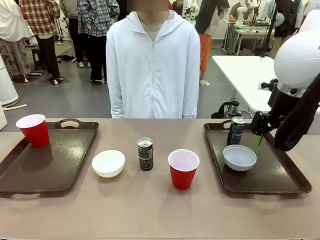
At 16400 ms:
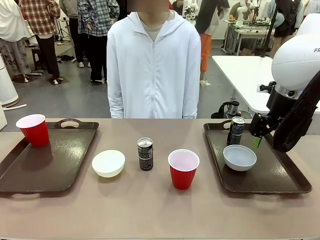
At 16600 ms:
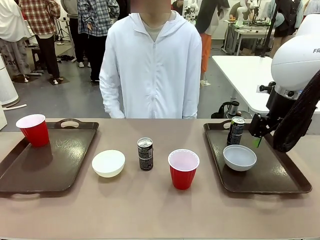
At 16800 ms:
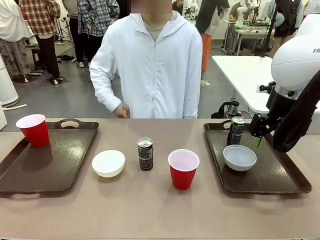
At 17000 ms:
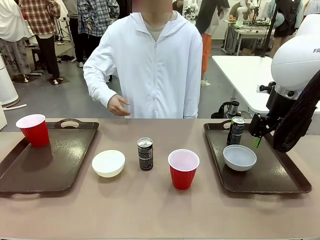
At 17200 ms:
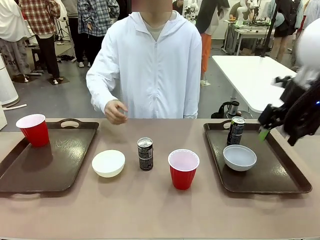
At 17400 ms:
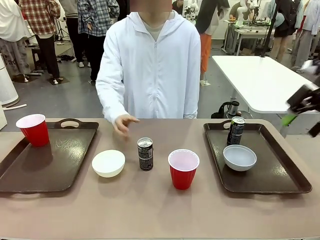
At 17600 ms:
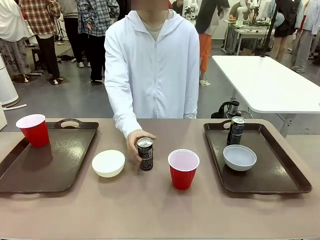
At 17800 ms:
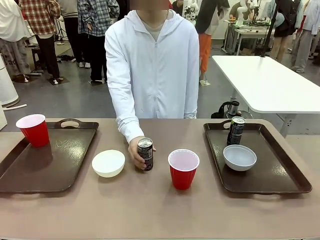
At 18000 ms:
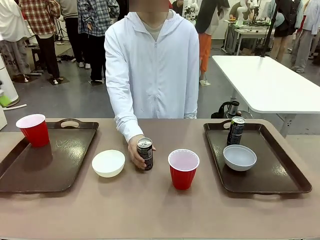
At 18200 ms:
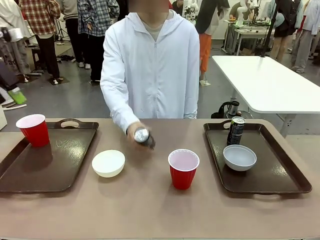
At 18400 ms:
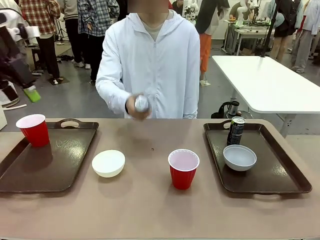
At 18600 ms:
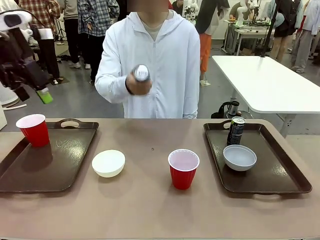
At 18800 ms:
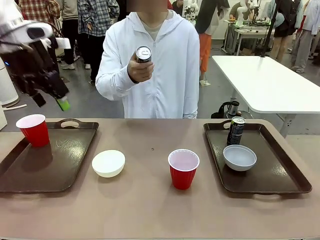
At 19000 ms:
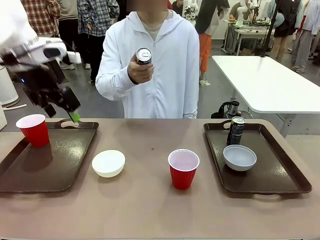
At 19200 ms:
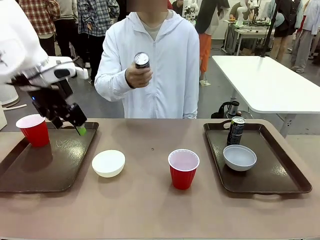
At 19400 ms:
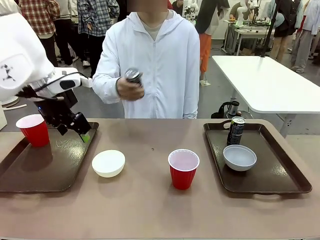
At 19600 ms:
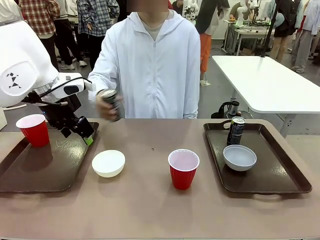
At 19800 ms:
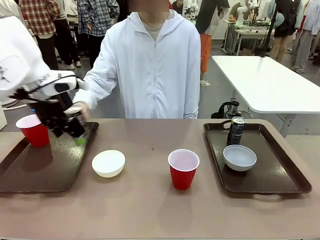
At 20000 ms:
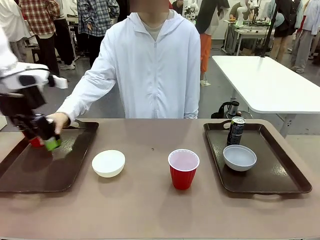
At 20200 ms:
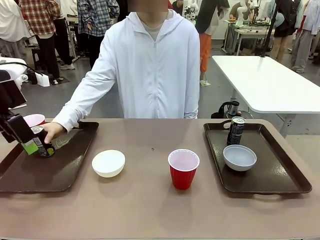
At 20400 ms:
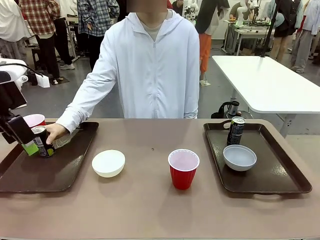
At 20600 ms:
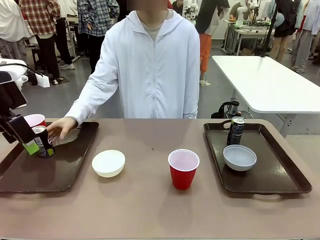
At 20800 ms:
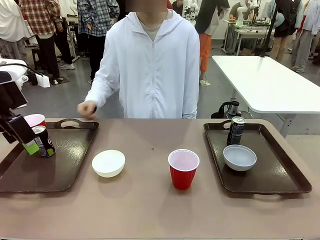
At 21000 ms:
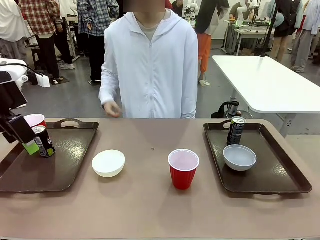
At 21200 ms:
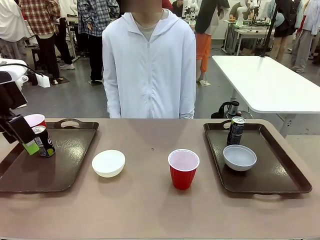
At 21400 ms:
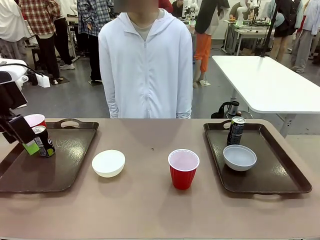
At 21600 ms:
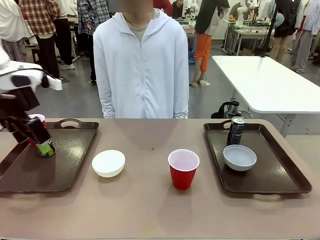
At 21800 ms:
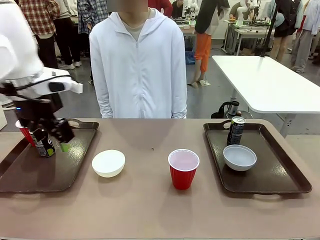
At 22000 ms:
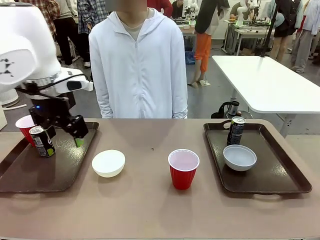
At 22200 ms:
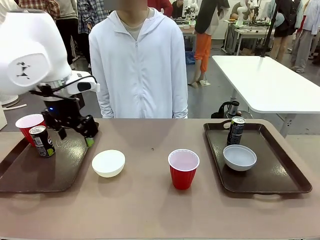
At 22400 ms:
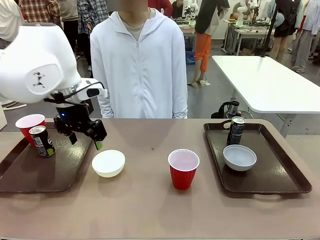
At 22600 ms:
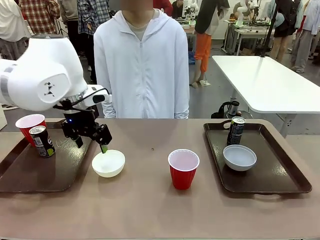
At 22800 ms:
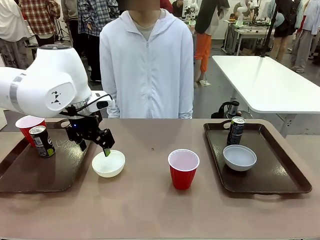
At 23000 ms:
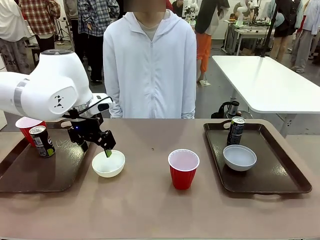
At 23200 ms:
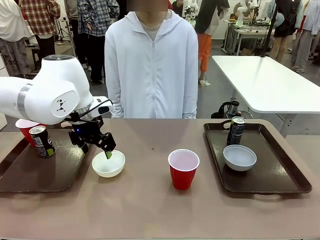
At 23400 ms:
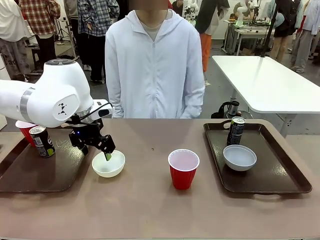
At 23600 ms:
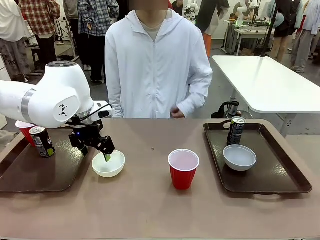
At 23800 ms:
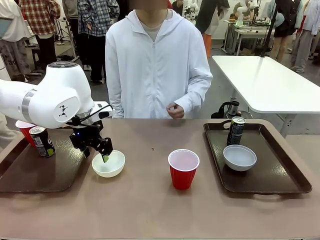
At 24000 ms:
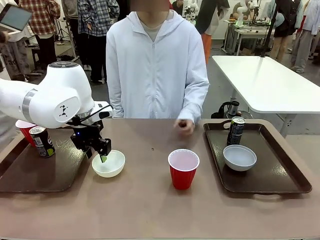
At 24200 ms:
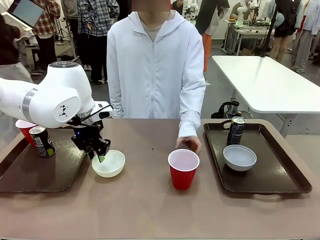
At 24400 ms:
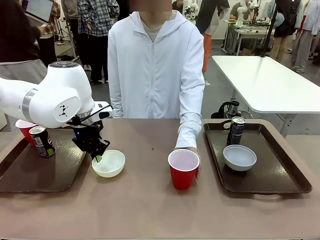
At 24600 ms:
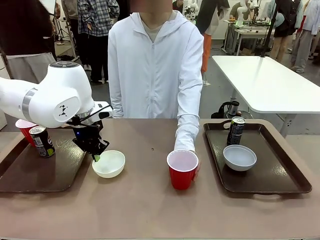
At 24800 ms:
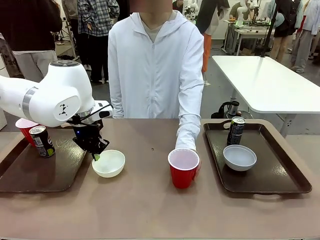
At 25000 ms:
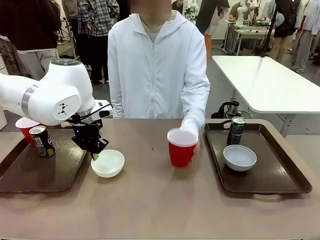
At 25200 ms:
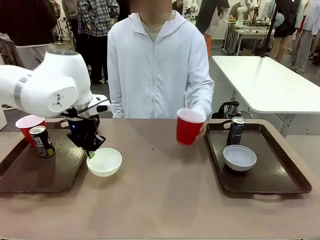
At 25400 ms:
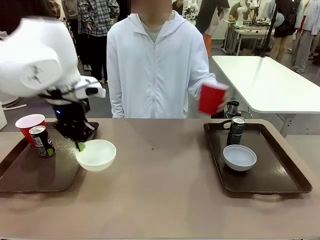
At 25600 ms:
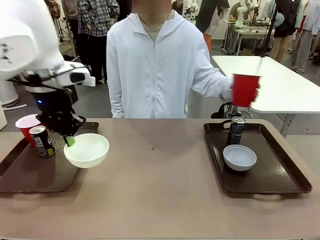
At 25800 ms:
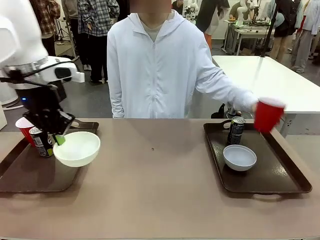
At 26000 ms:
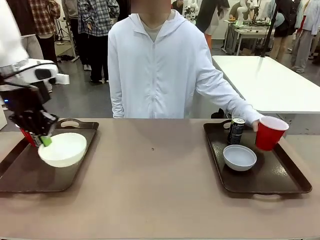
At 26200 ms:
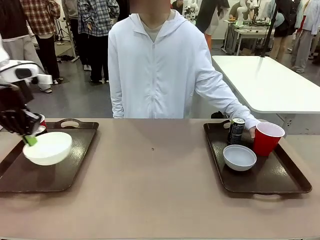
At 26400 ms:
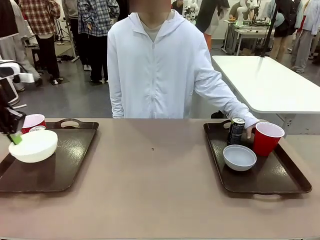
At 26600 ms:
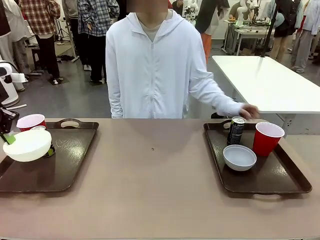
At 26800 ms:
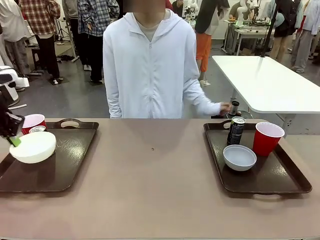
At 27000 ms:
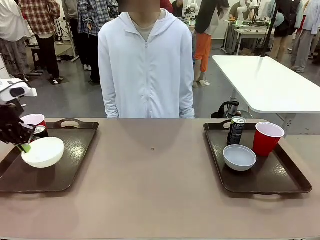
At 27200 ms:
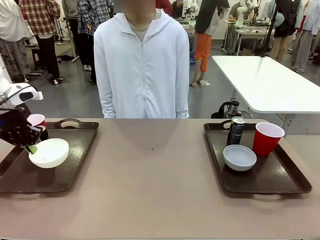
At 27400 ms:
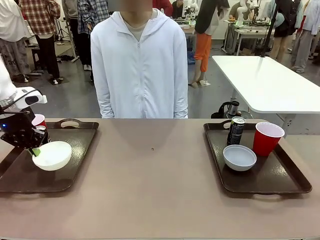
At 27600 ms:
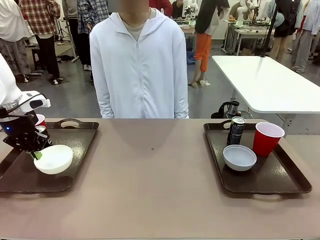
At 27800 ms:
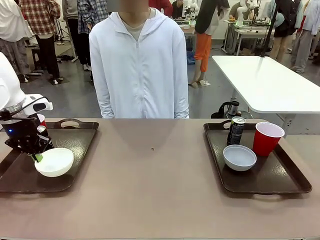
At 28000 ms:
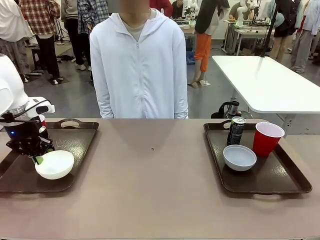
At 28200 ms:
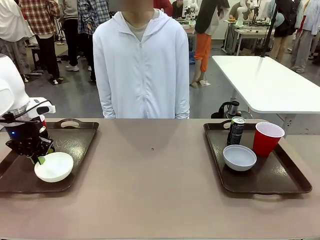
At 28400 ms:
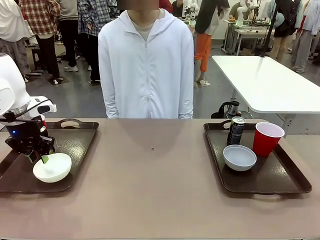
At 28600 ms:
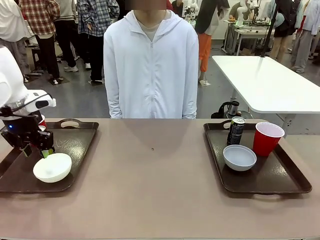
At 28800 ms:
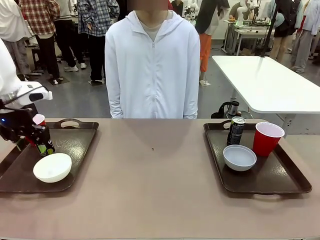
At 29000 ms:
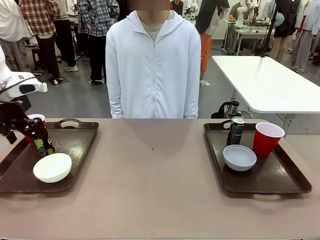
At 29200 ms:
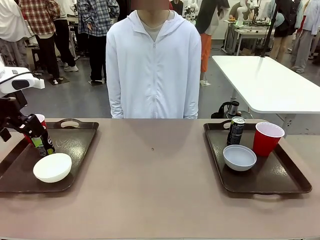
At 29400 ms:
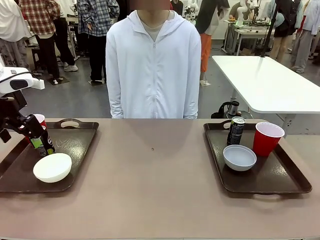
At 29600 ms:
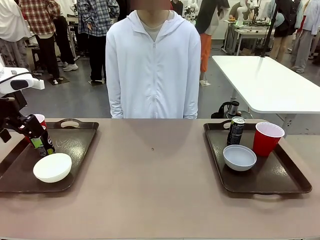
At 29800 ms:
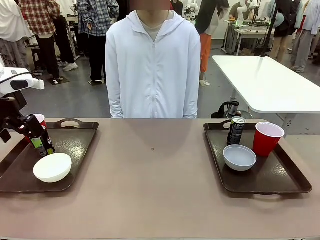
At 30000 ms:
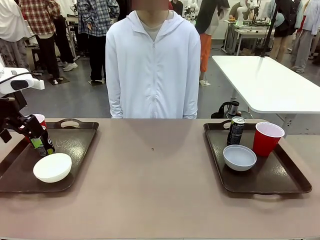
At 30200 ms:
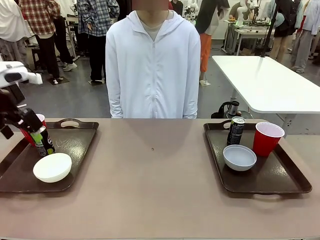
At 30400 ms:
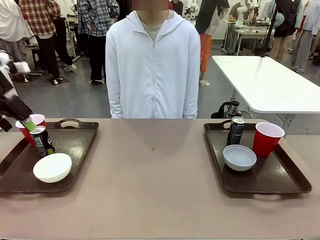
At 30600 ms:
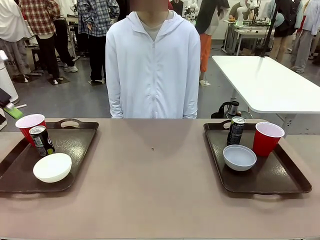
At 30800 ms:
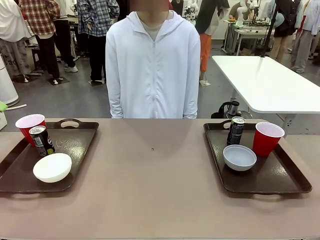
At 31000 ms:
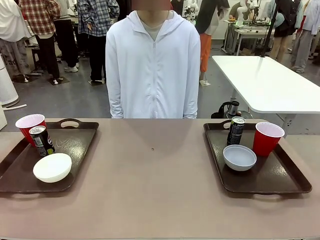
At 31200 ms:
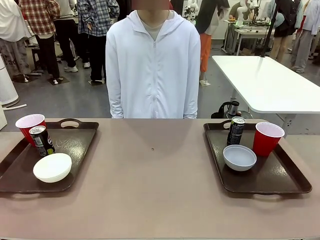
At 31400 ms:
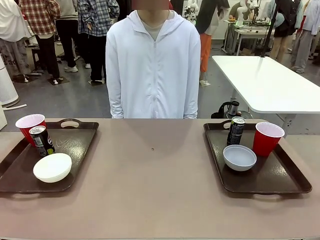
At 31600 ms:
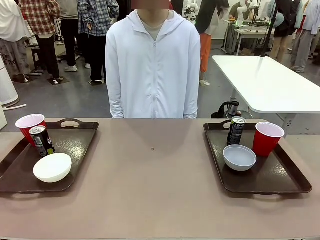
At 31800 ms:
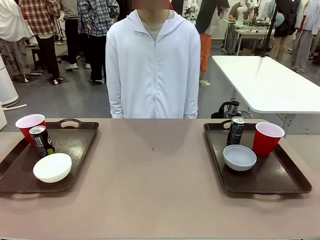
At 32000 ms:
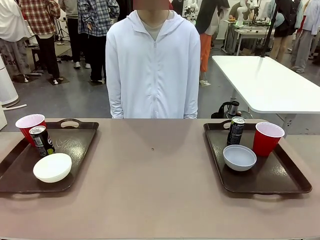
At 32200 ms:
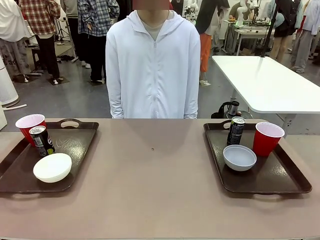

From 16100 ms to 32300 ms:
Task: Prepare tableware on both trays.
Robot: Pick up a Picnic Bowl from the table and place it on a Handle tray.
Person: Pick up a can or cup and place it on the tray without a can or cup.

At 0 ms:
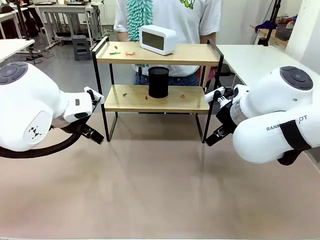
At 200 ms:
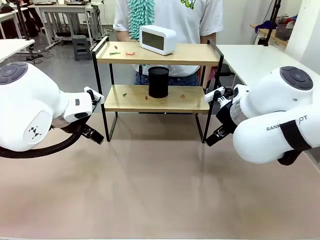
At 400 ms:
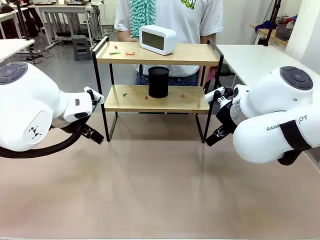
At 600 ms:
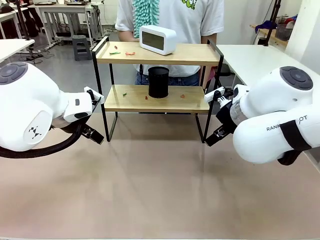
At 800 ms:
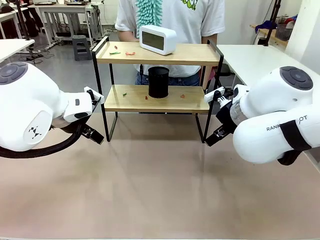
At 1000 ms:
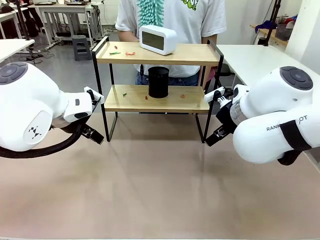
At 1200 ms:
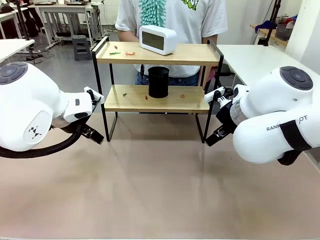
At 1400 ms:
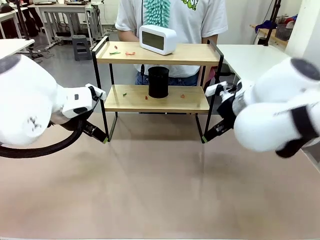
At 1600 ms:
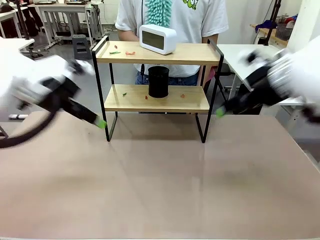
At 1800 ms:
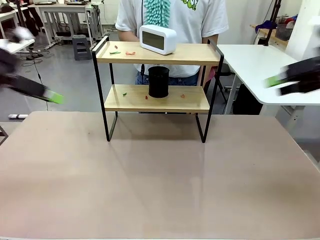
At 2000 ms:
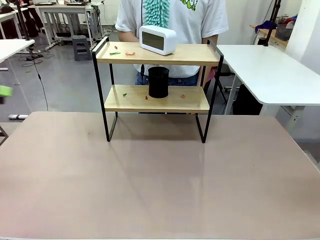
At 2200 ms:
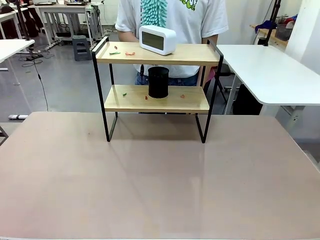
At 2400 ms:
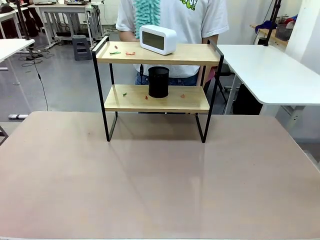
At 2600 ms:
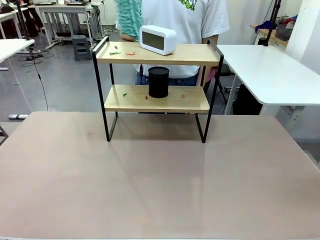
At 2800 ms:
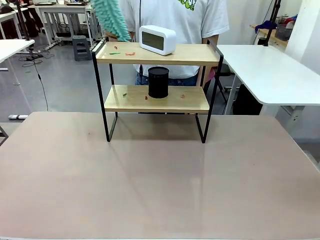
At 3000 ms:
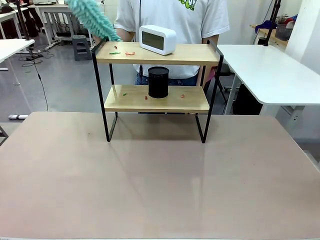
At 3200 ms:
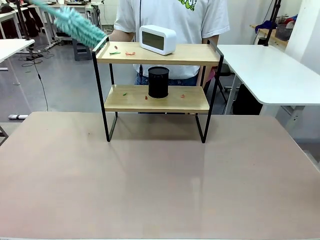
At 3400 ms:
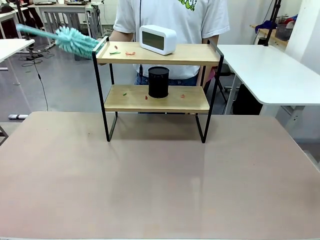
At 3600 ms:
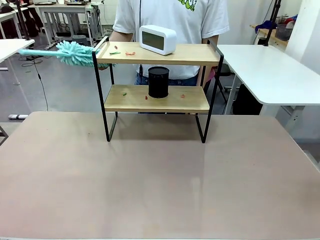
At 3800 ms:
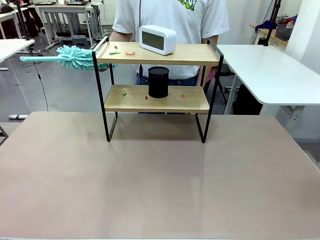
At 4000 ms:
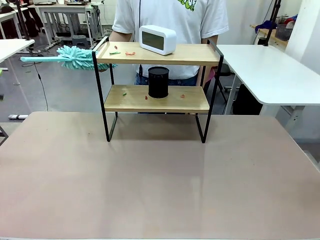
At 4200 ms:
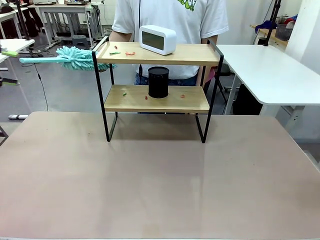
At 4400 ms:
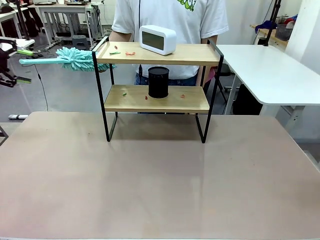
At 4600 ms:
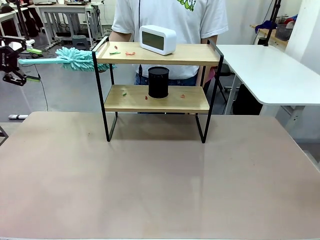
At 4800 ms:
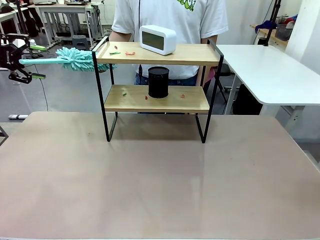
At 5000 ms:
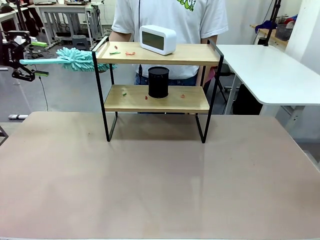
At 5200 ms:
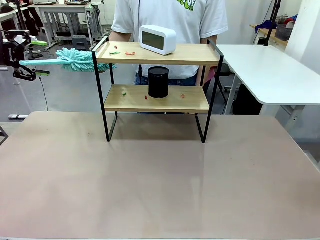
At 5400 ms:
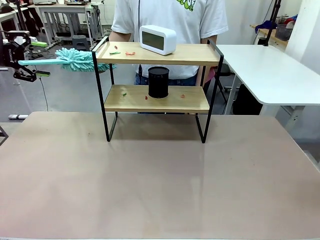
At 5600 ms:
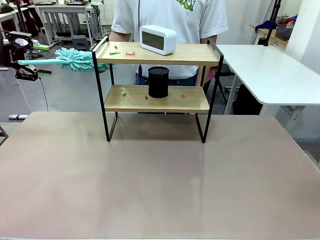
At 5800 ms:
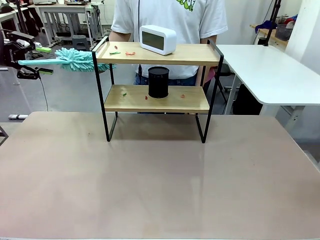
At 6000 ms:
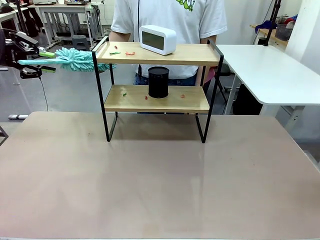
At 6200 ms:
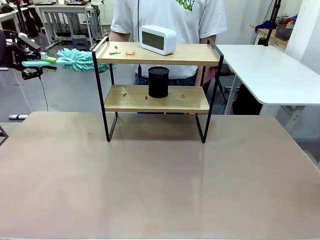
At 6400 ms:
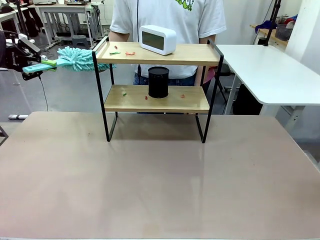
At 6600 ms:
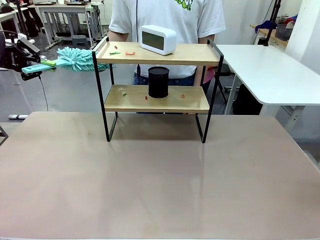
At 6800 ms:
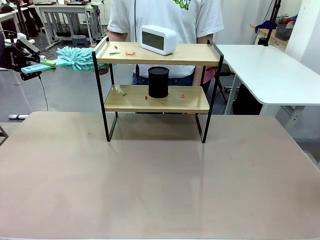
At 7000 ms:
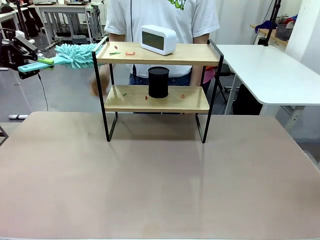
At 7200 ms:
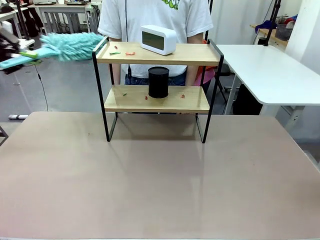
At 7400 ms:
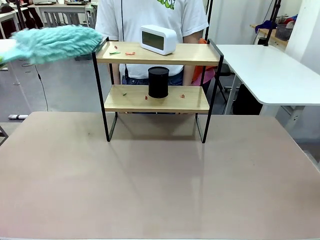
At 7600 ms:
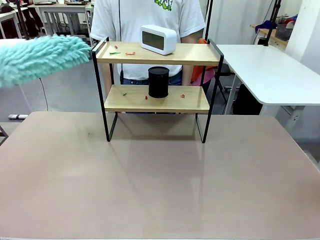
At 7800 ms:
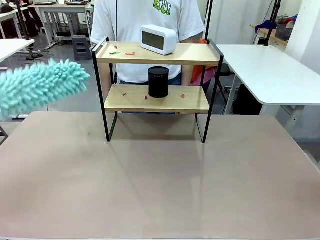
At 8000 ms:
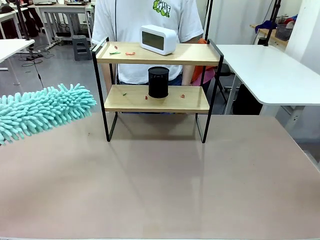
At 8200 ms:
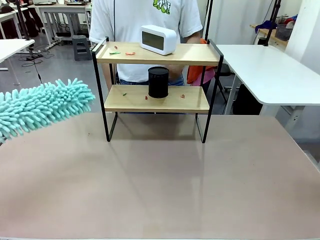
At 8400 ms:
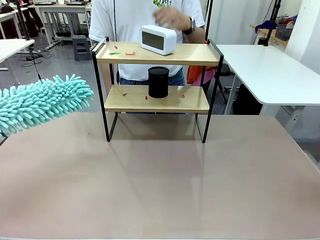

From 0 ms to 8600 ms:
Task: Clean the shelf.
Robot: Pick up the Duster from the human.
Person: Hand the Duster to the robot.
